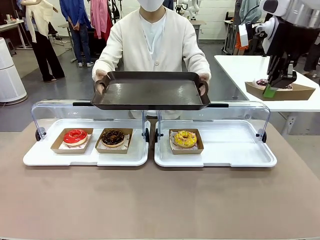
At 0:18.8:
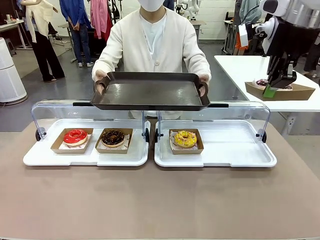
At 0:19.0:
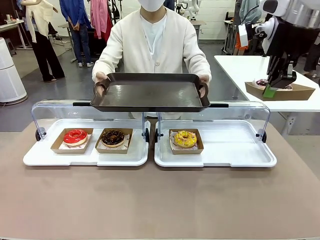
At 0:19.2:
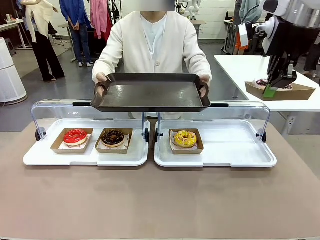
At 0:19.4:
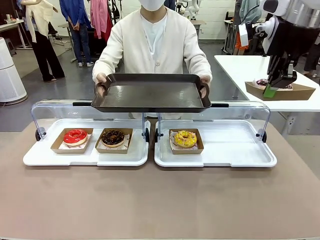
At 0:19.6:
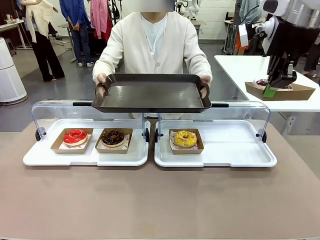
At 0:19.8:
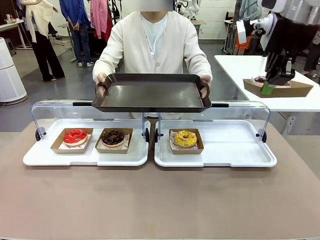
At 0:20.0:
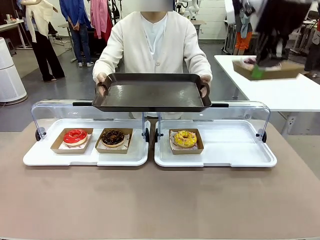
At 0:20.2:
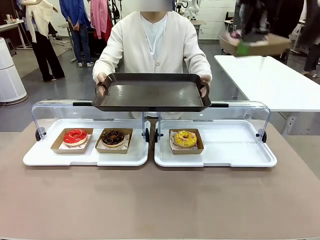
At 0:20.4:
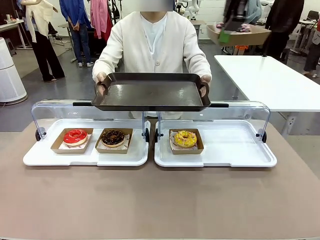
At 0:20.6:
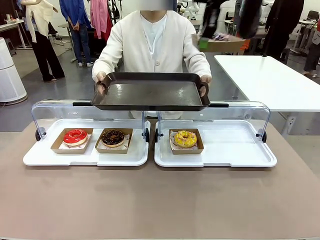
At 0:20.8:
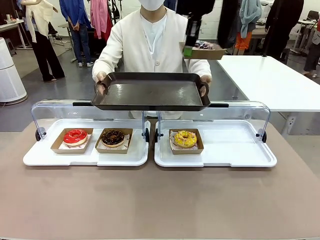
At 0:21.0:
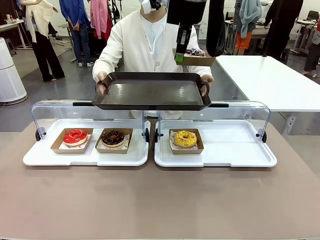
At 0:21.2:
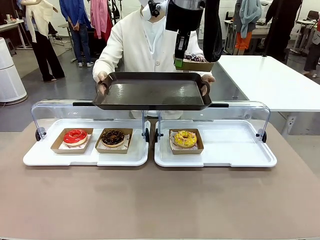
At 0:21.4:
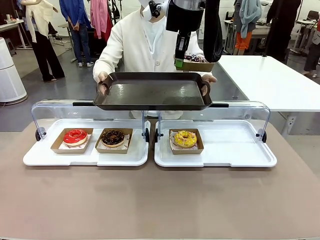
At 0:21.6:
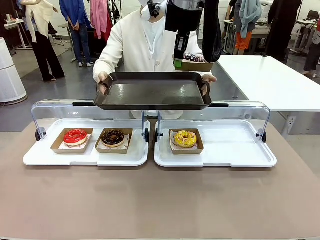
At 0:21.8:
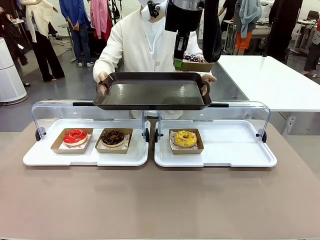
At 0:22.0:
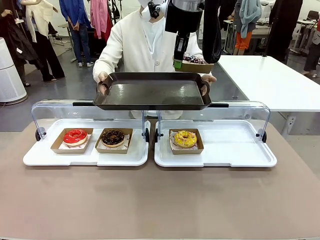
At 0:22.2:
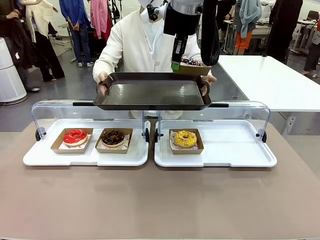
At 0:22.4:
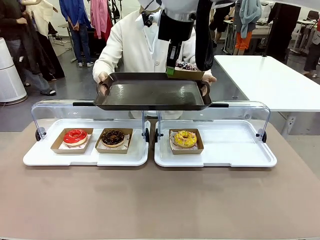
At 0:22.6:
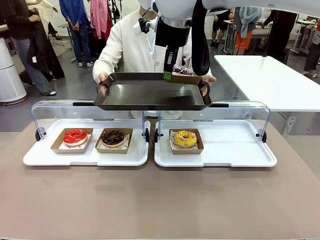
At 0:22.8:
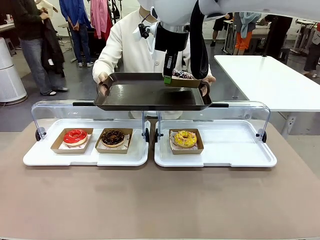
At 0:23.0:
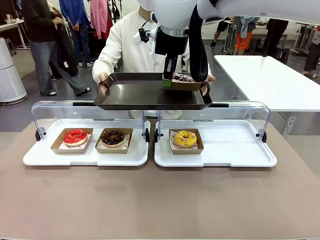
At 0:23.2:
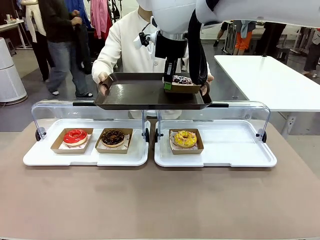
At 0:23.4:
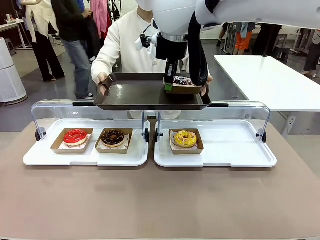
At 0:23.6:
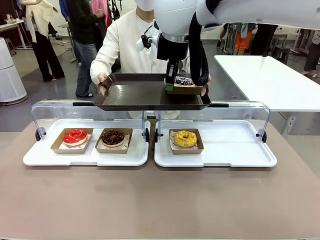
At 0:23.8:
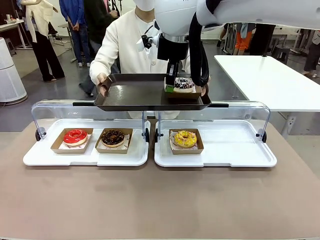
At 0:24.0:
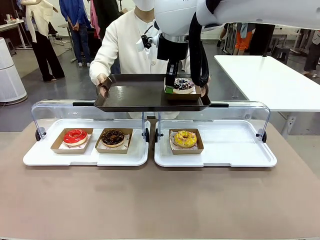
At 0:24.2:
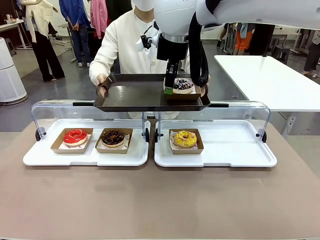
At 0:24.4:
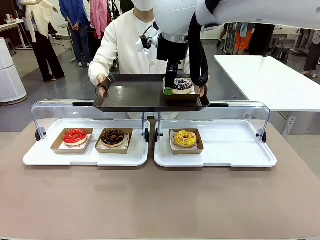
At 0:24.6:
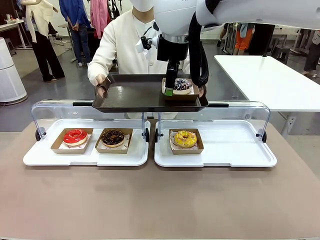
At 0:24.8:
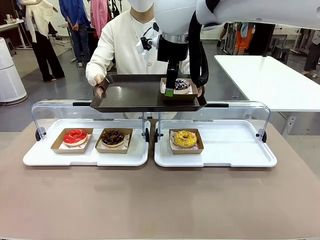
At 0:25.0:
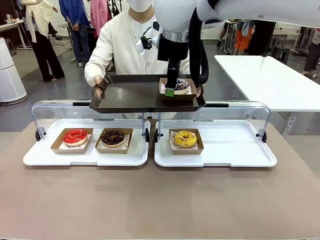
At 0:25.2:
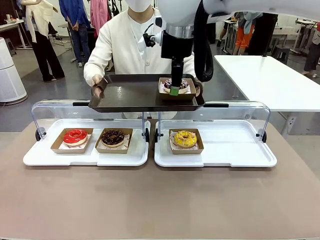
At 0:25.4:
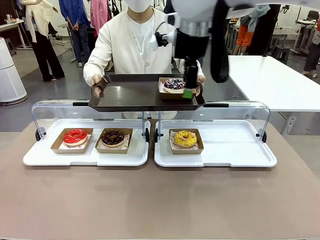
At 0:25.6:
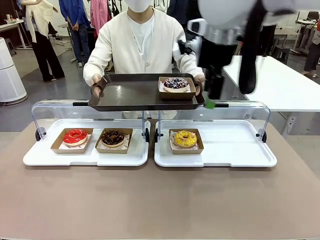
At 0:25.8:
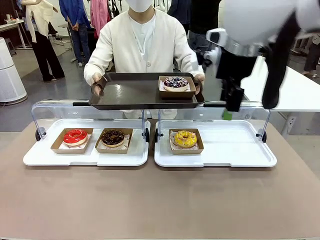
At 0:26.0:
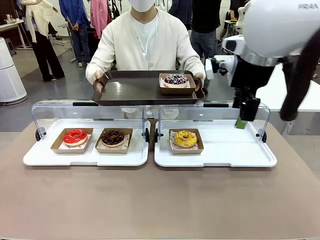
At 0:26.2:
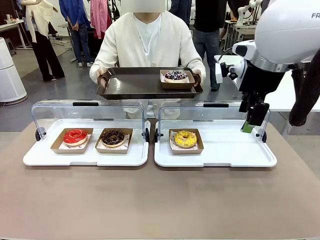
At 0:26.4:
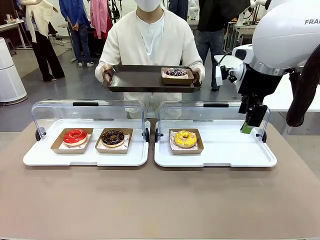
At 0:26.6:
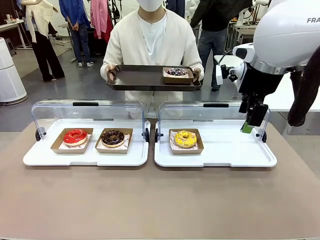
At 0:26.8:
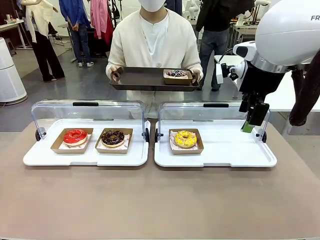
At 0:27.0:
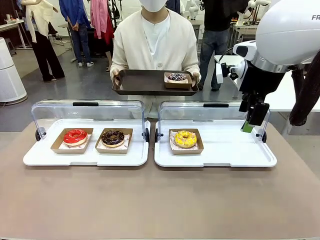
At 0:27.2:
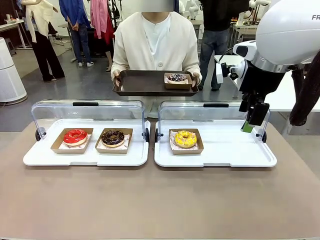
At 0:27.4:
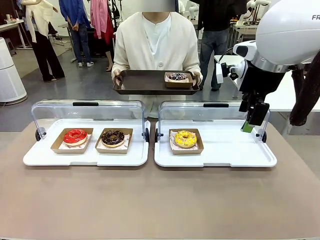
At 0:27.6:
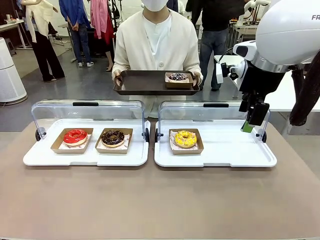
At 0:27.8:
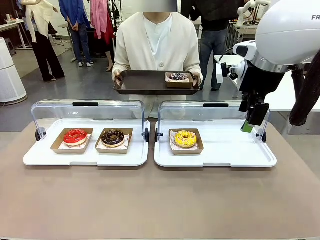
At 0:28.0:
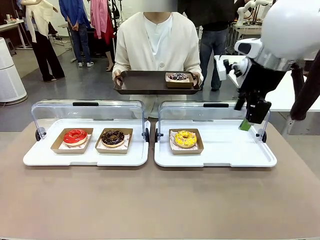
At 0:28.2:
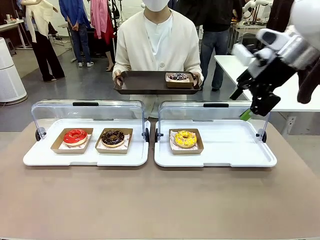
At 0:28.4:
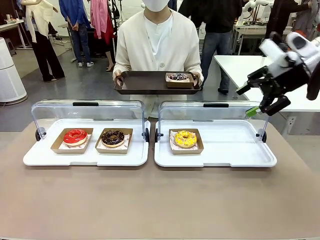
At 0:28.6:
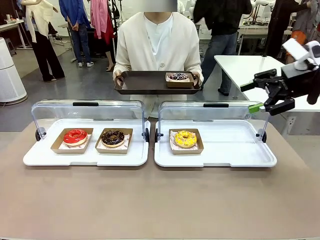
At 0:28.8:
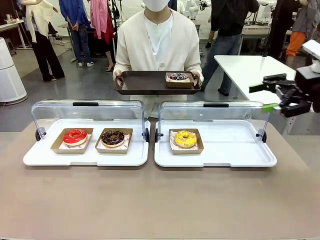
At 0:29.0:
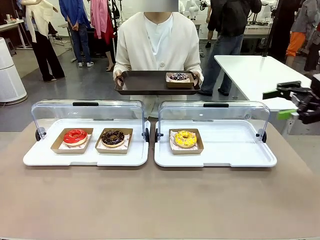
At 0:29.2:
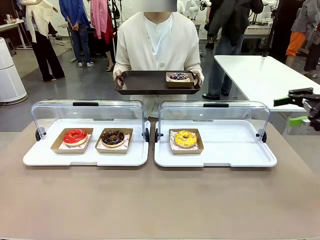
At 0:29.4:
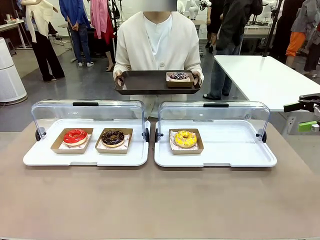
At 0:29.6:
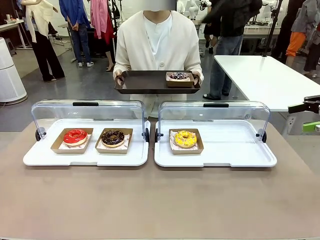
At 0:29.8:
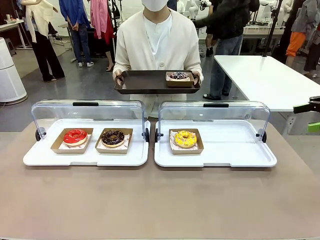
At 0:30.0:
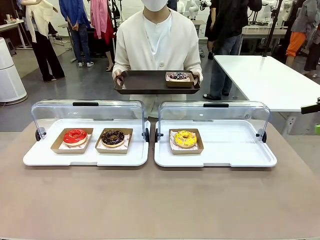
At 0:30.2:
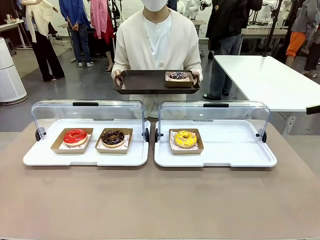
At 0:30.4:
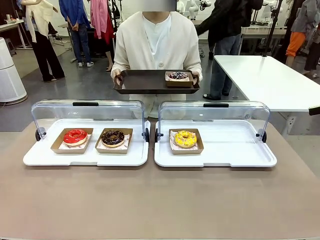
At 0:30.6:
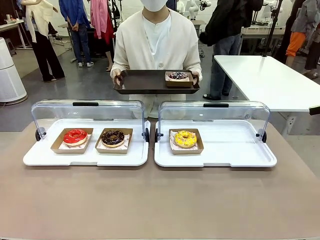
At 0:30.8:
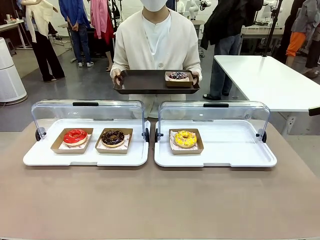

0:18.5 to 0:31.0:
Task: Provide the desired donut to the person.
Robot: Place the picked Paper togo box onto the Handle tray extended by the person.
Person: Point to one donut.

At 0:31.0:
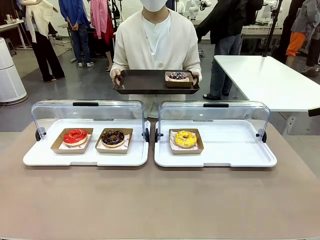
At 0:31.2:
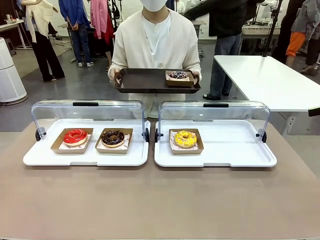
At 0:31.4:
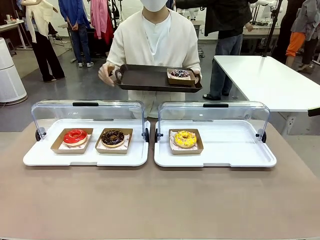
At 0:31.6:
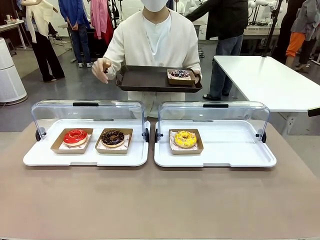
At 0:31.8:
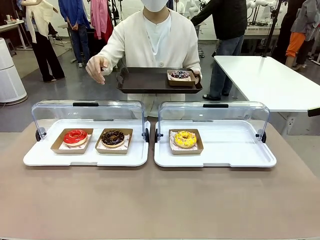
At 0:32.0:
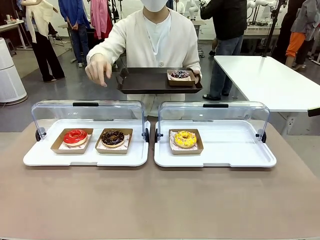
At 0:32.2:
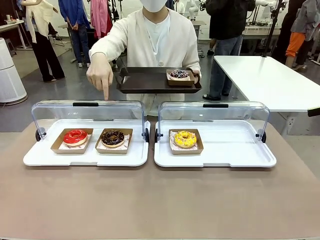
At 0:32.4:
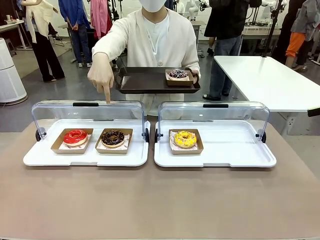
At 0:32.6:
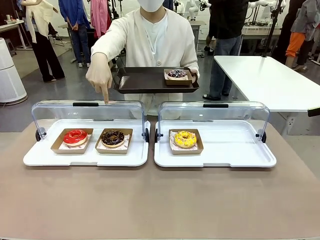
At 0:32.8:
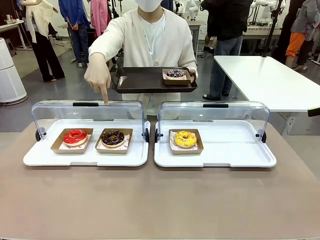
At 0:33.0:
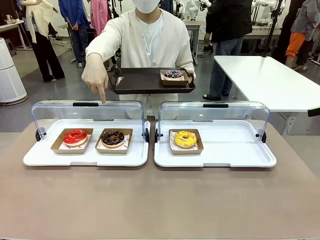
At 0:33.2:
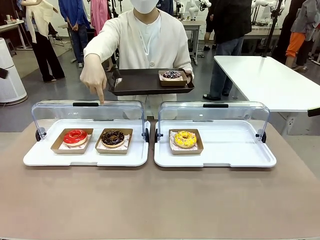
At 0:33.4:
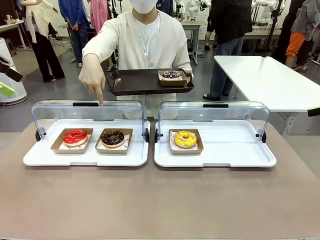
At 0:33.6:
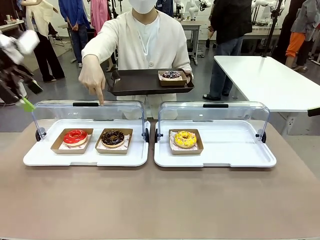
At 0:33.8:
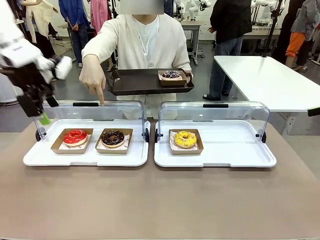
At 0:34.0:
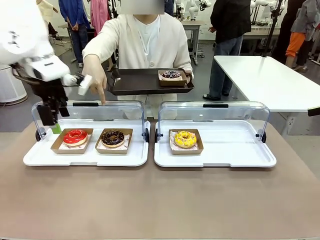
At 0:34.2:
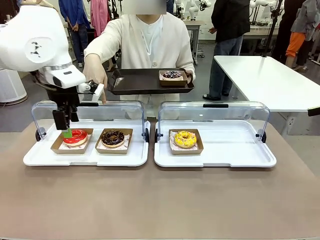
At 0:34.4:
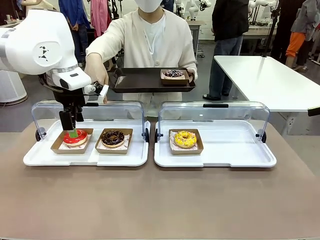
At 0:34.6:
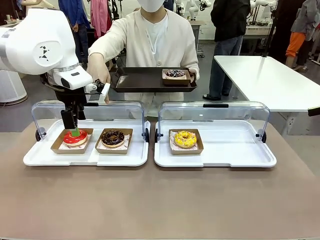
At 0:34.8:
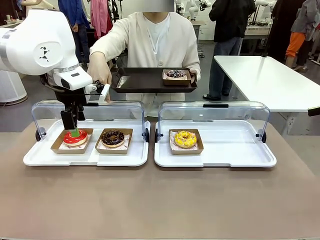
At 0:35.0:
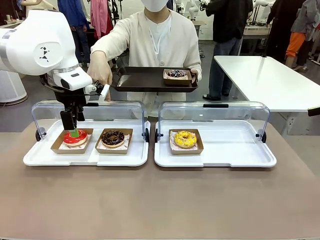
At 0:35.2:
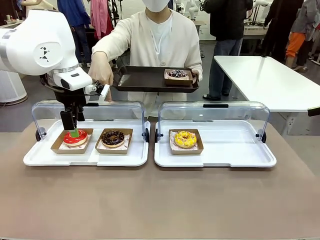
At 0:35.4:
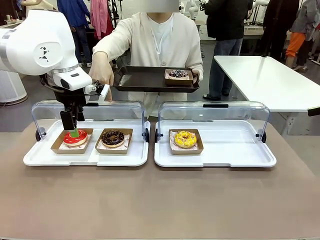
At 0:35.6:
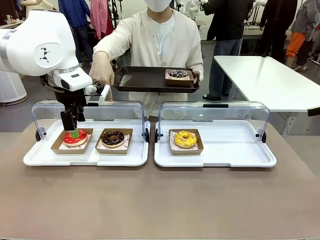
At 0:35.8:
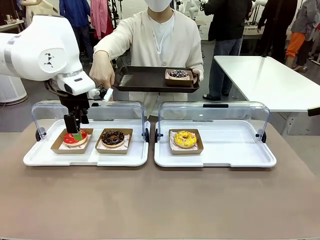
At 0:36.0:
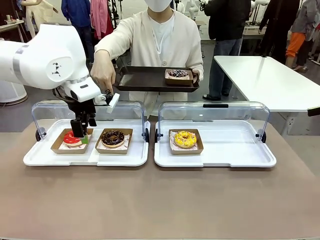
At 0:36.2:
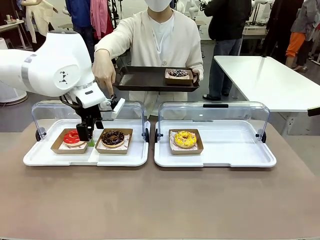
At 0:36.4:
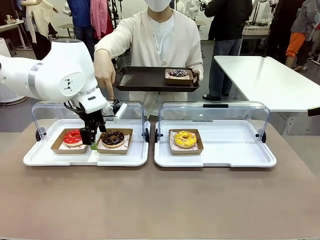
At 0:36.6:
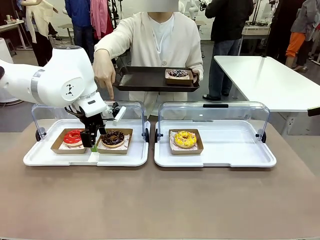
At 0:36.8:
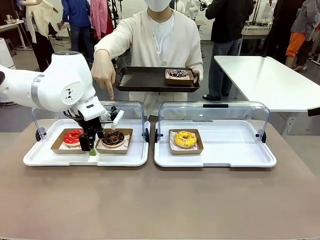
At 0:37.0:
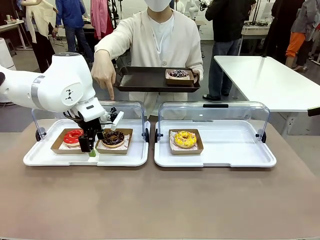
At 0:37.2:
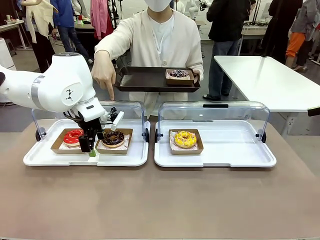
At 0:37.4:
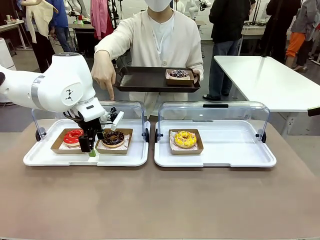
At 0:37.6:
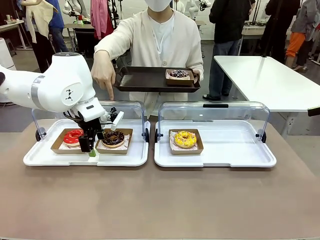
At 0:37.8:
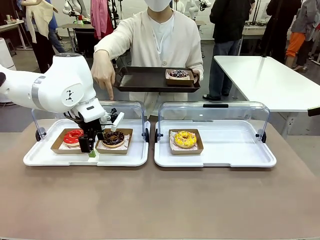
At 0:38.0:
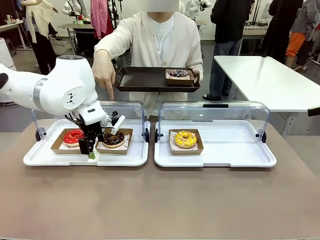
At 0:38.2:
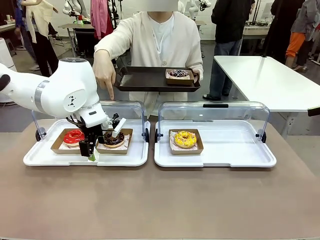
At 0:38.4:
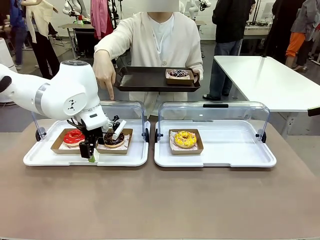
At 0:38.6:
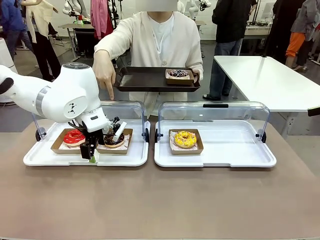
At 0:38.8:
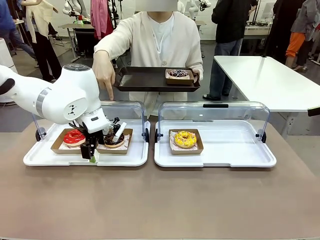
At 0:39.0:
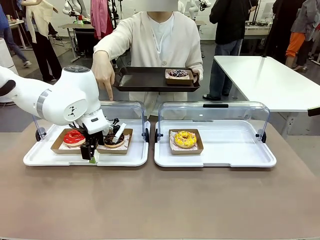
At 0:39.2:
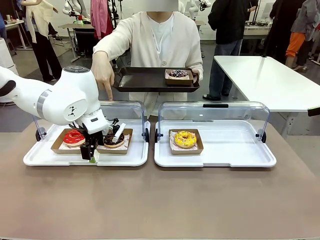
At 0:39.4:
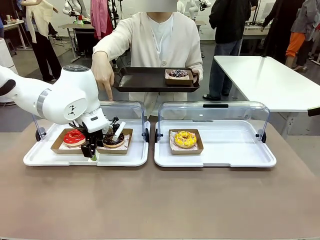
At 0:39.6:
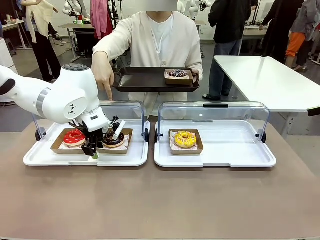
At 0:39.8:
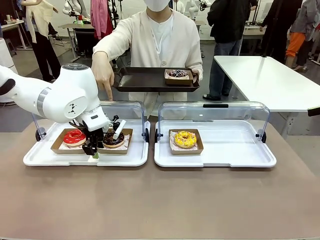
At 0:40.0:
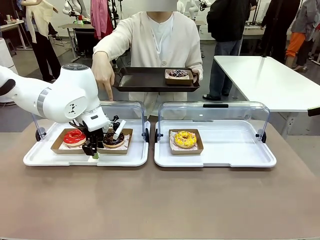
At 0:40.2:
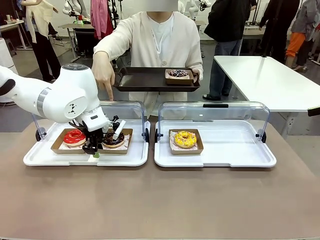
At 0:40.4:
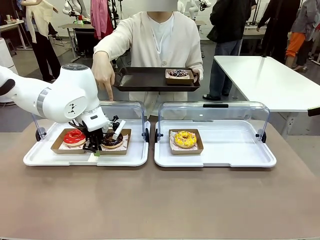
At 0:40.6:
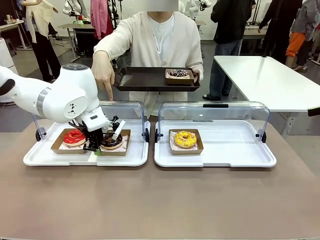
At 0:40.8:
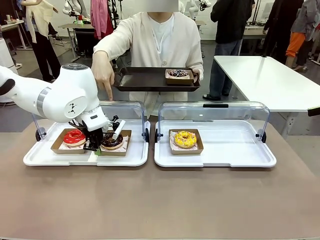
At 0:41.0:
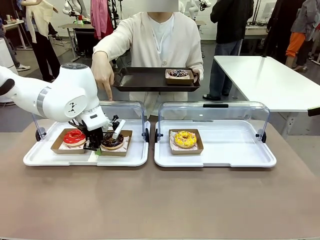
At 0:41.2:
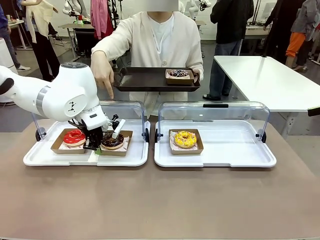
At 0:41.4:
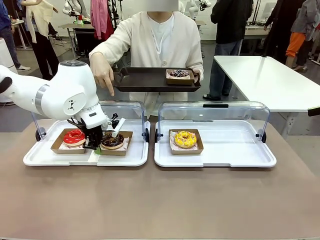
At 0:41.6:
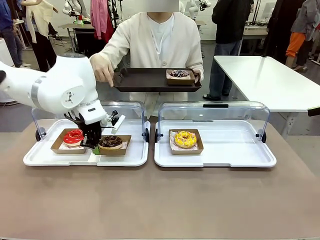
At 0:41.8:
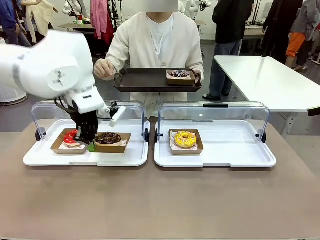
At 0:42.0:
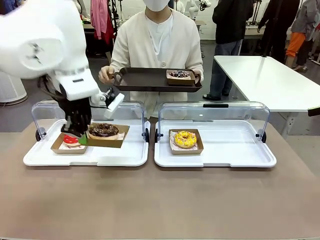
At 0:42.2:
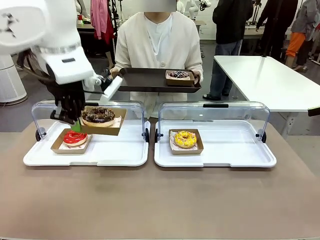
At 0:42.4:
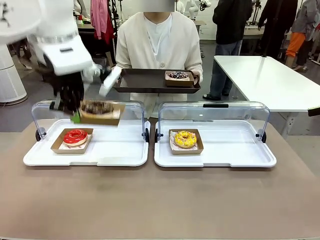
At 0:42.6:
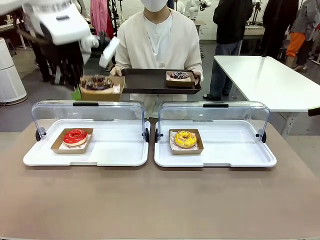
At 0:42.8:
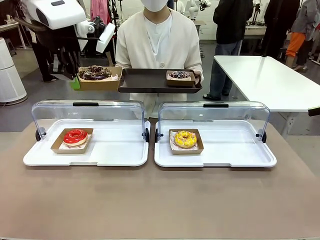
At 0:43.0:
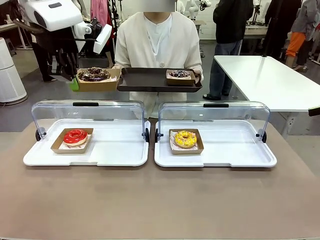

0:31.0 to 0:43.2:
Robot: Pick up and lift the Paper togo box containing the Donut pointed at by the person.
Person: Lift the tray onto the Roll-Top Bakery Case.
